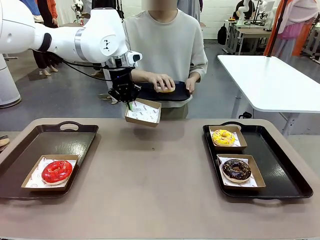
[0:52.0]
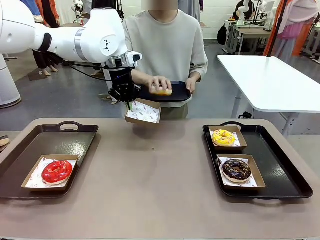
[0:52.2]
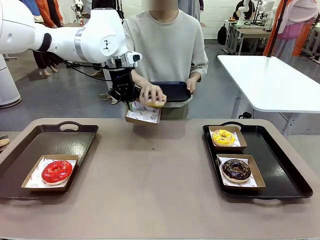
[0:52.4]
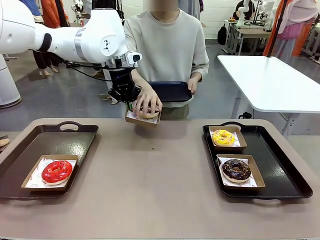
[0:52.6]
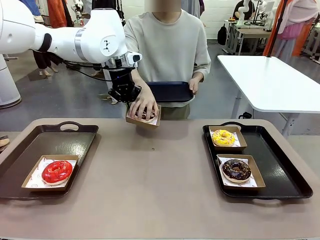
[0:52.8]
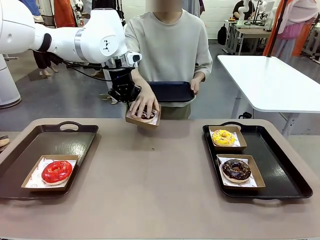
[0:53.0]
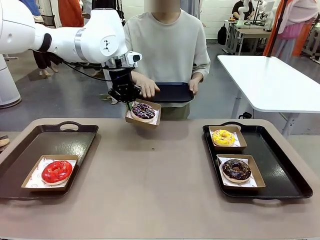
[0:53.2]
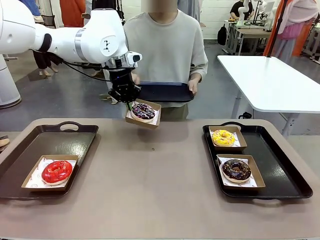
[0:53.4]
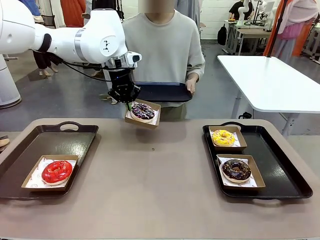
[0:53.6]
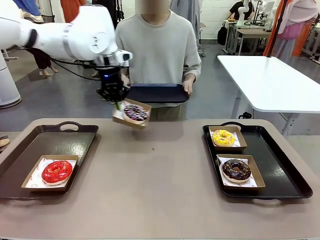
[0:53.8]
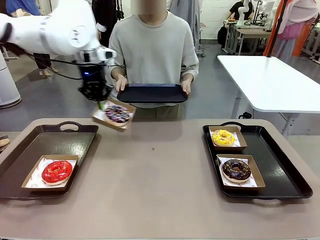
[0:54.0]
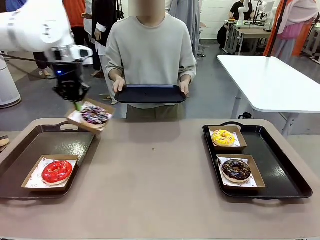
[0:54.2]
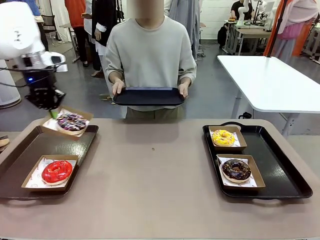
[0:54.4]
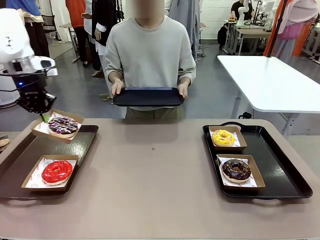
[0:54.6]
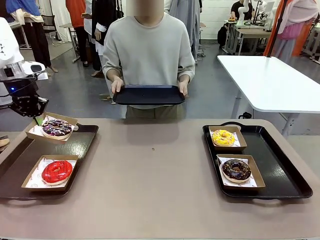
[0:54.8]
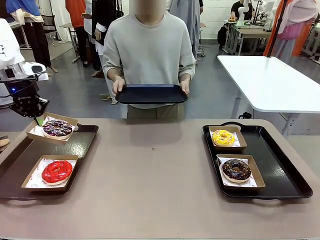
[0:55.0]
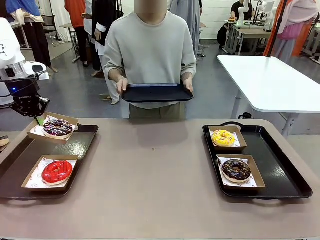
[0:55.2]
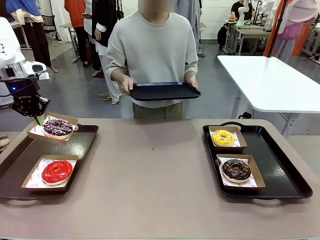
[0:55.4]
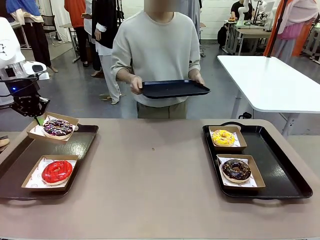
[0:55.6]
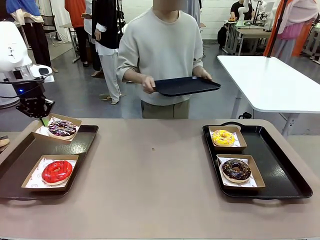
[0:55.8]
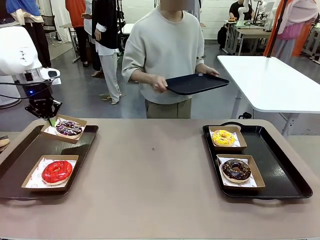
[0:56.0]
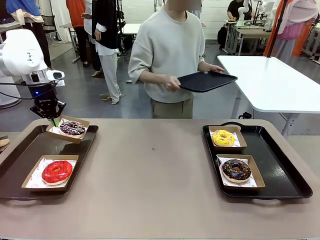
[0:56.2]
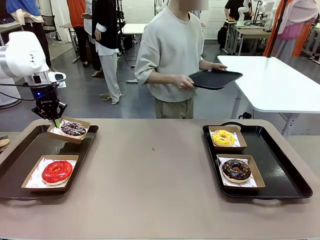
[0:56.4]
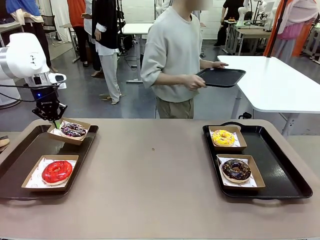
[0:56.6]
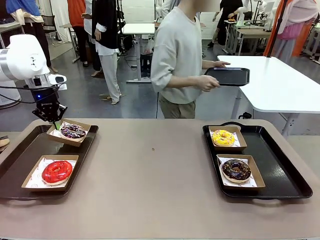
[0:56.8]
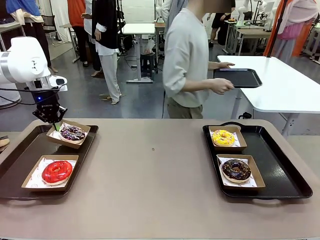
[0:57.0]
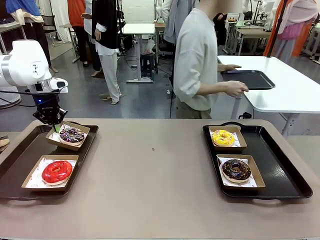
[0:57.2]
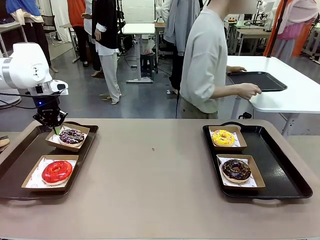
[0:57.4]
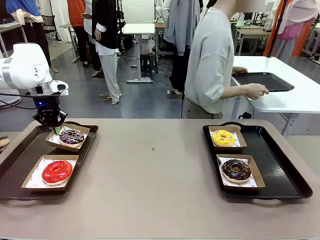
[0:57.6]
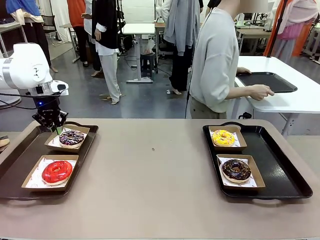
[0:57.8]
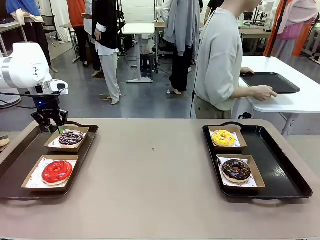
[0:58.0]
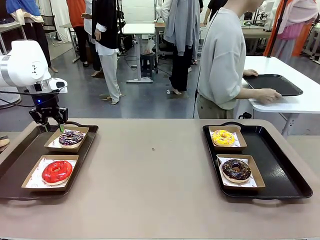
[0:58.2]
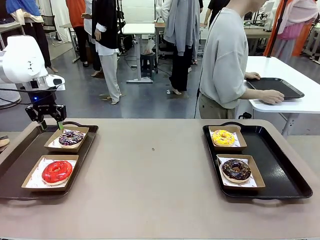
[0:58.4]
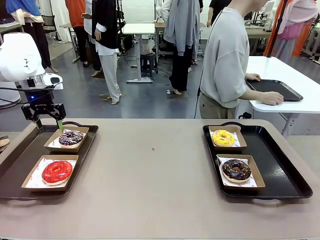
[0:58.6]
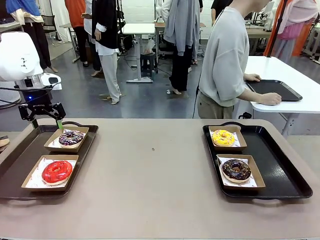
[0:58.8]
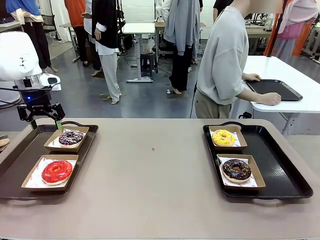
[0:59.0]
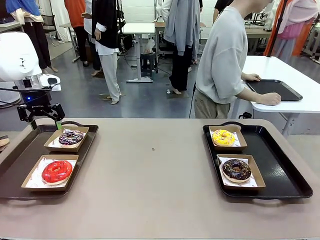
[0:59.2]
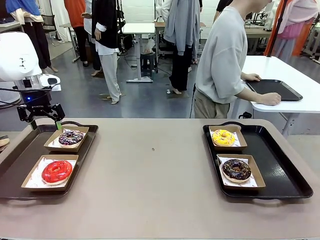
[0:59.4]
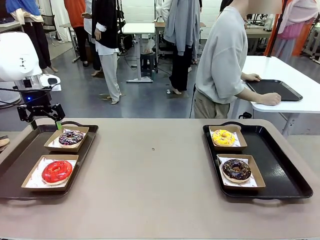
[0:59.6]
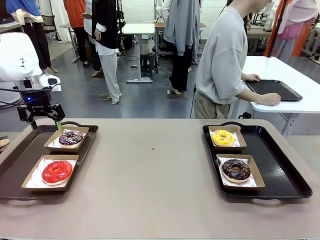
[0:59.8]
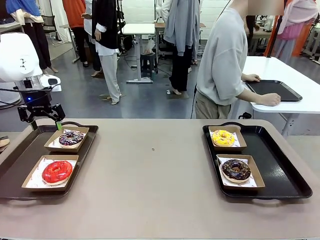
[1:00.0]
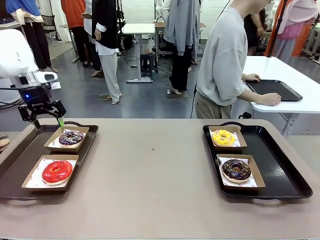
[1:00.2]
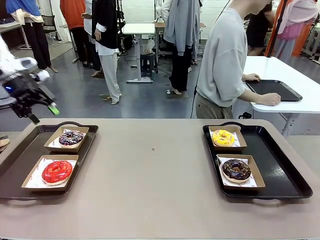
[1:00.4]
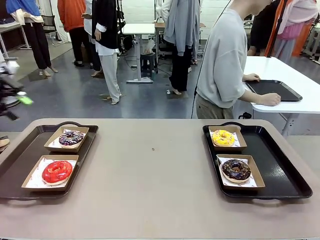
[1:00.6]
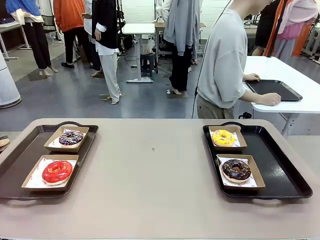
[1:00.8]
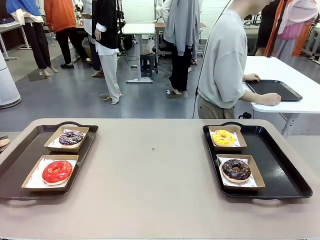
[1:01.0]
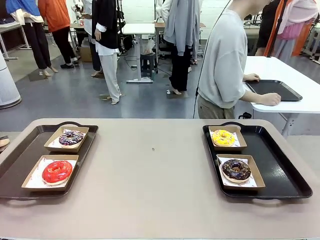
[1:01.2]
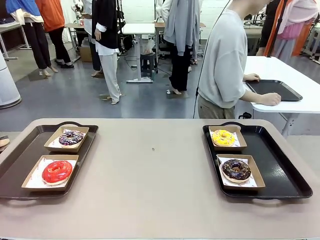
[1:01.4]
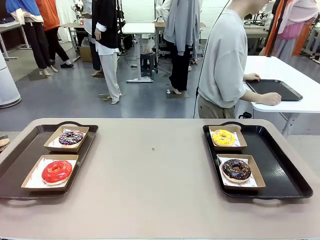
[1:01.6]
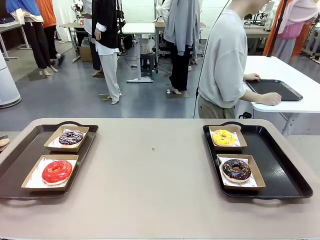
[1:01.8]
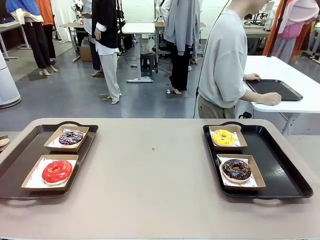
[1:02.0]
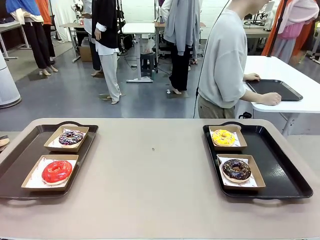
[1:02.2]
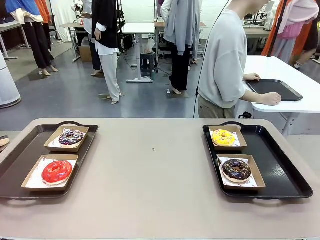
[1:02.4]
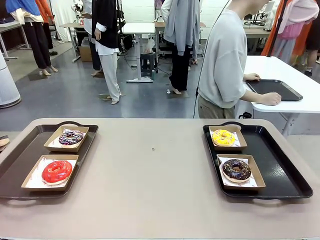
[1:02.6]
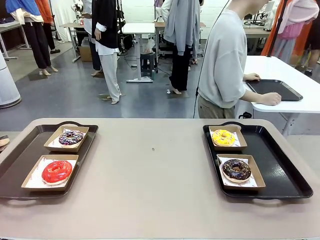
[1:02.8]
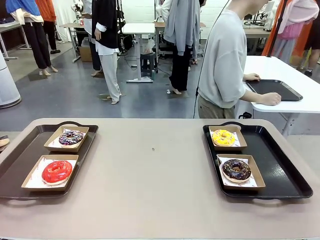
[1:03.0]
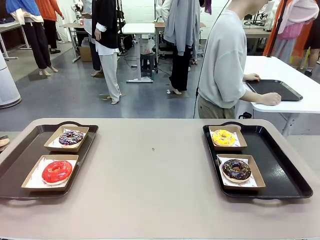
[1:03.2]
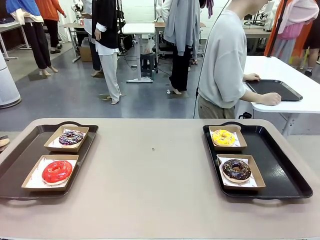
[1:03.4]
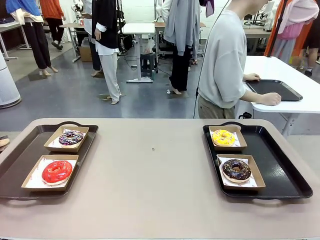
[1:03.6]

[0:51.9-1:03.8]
Task: Individually package the donuts and arrange them on the tray.
Robot: Place the picked Paper togo box on the Handle tray.
Person: Place the tray down in the middle of the human table.

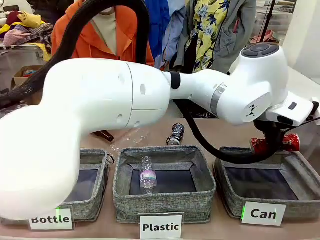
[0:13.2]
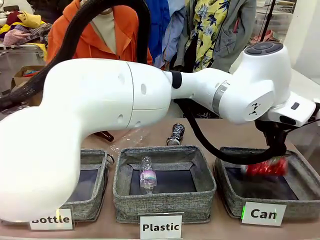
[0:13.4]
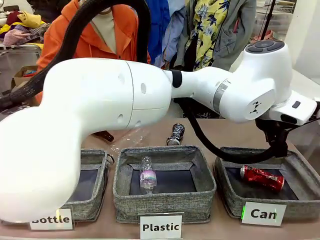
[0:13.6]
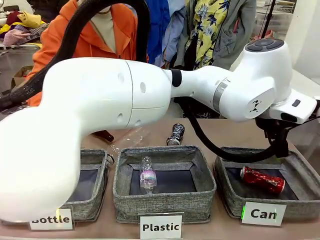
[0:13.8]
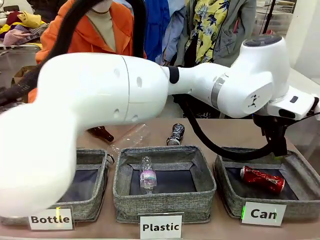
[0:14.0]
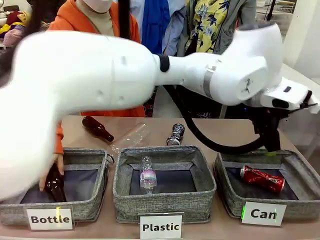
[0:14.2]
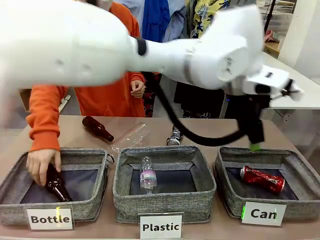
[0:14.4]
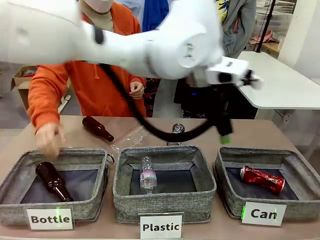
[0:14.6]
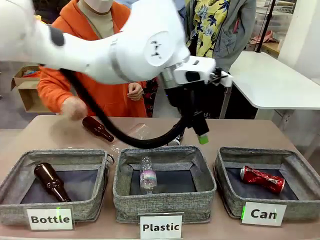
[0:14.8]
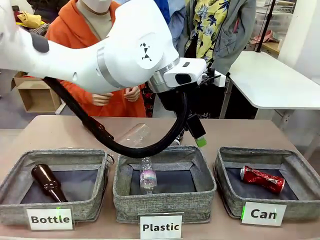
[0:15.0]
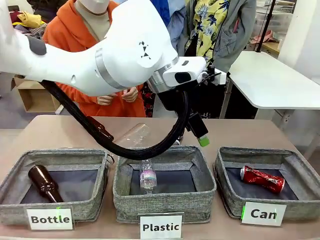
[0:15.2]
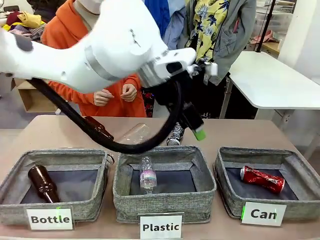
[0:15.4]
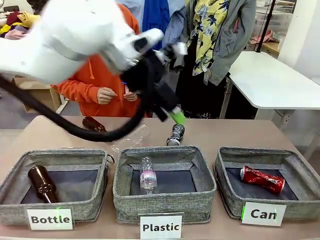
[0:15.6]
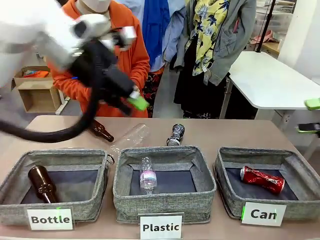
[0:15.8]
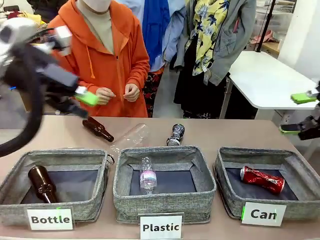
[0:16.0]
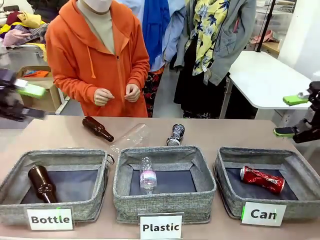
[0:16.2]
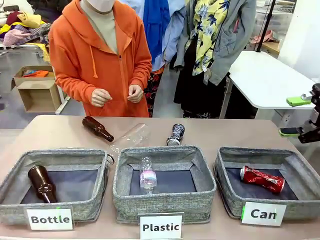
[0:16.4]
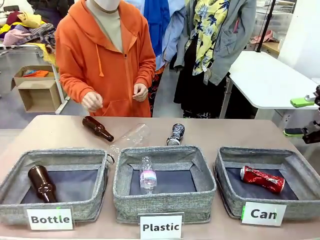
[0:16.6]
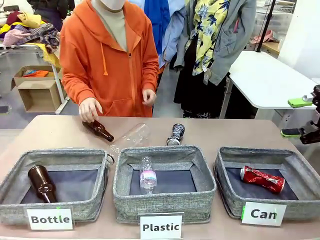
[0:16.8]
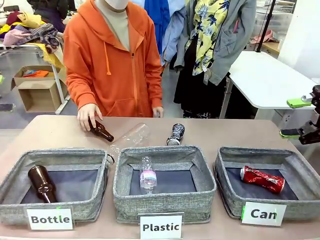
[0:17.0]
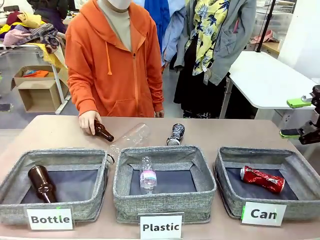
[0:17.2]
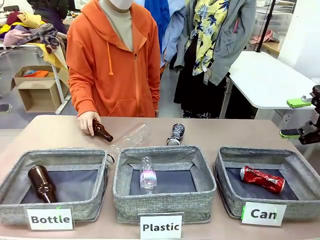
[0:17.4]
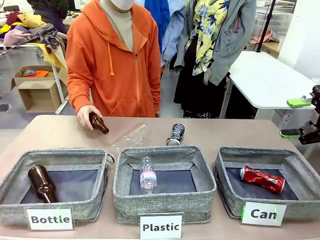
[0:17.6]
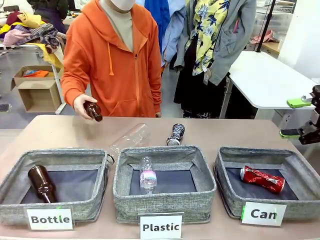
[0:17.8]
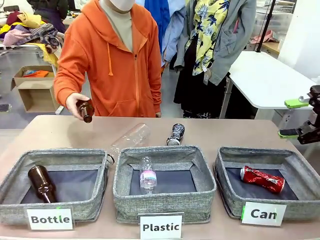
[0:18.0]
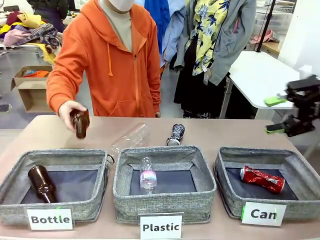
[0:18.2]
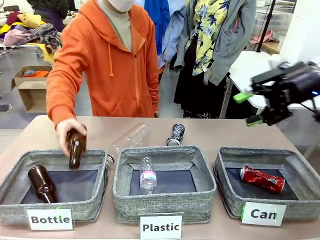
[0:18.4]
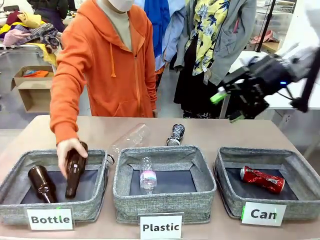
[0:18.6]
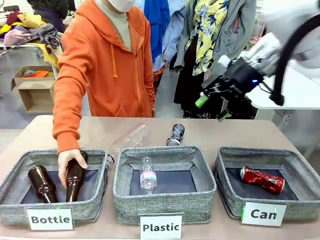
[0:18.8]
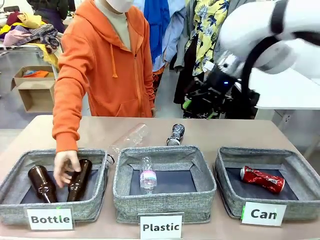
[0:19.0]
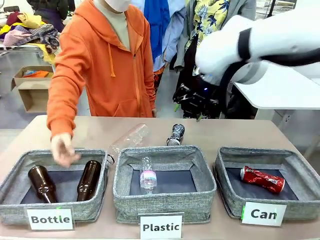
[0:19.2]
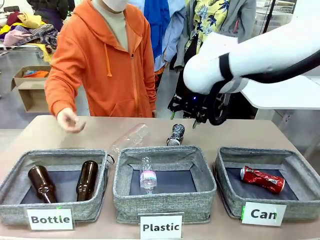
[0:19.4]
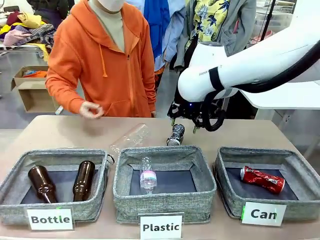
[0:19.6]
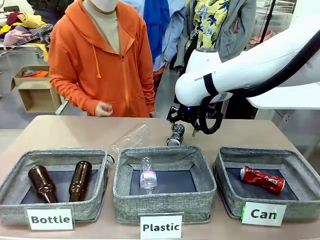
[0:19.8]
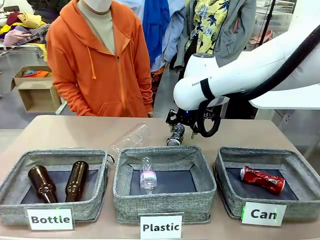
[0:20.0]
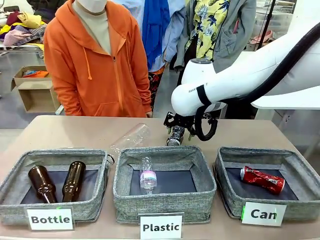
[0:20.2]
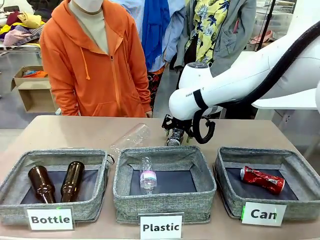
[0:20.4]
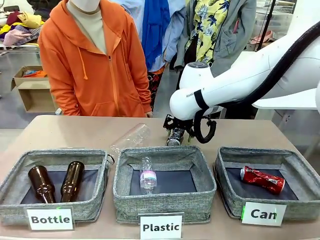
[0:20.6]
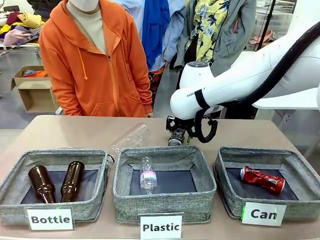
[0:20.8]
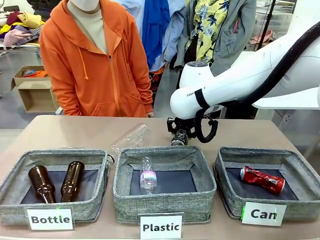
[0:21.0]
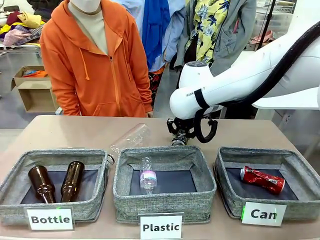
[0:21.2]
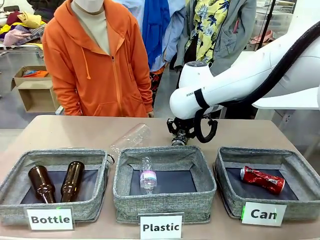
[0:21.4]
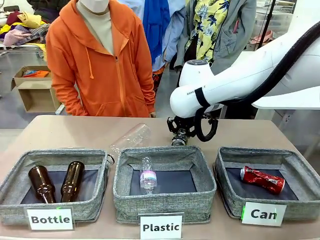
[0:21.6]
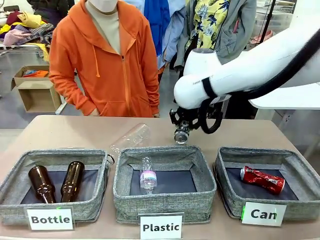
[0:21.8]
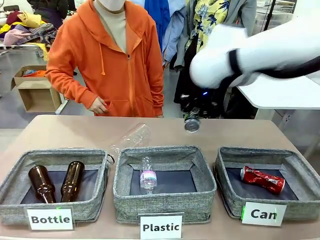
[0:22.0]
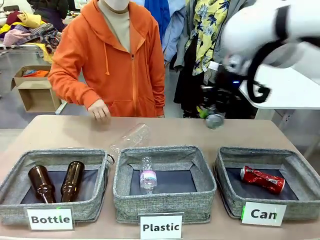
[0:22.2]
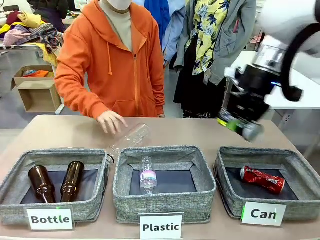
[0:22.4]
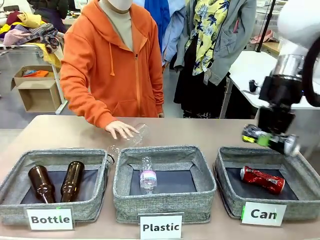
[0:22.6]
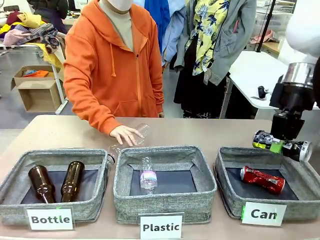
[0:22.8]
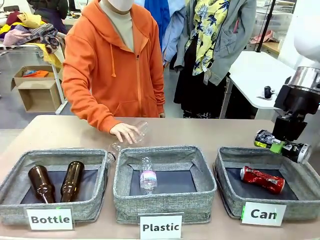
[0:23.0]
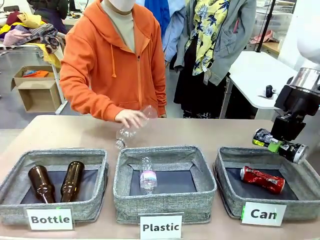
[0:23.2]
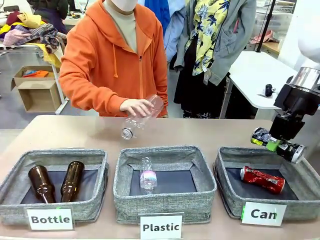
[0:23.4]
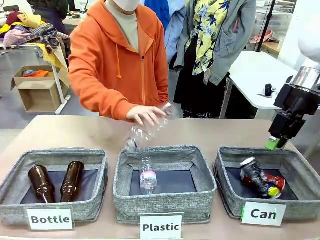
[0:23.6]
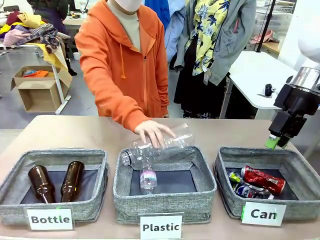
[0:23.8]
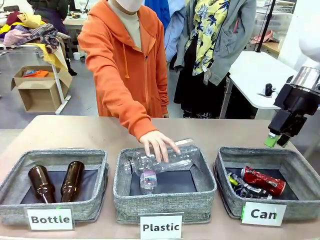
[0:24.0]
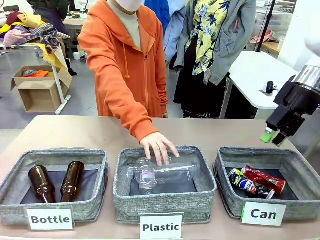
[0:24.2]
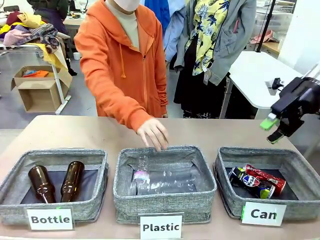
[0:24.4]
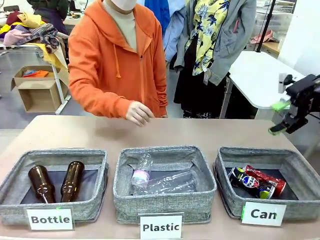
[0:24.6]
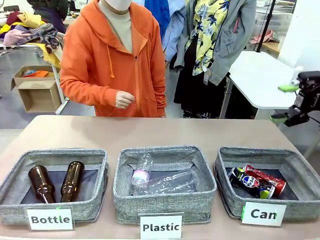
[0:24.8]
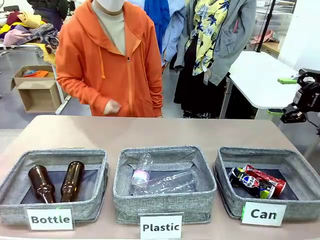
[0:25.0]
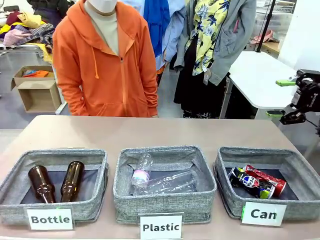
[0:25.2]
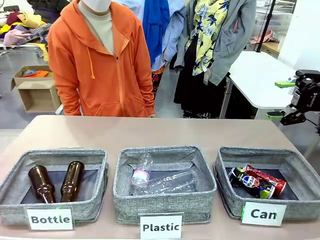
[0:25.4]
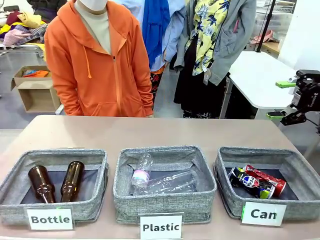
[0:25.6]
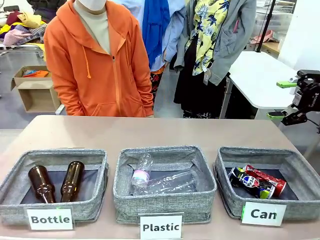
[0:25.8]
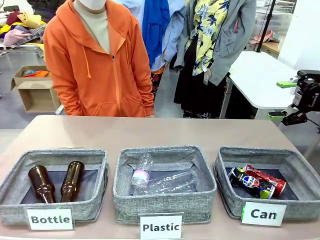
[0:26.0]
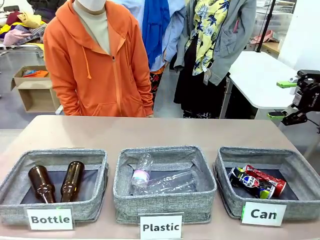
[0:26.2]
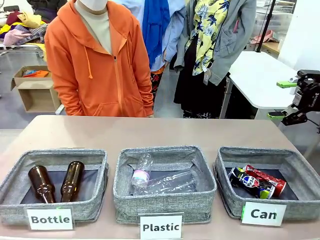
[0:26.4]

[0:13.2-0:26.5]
Task: Sort the can waste into the basket.
Robot: Pick up the can waste from the table and place it in the right Fabric basket.
Person: The human picks up one piece of trash that is not a can and places the trash into the appropriate organizing basket.
